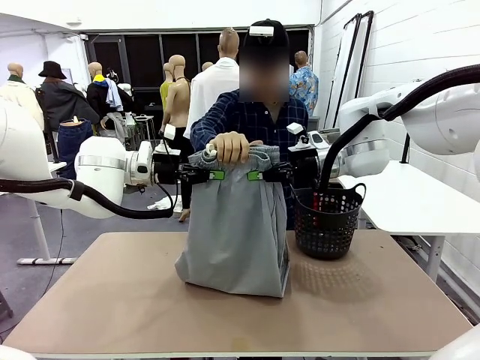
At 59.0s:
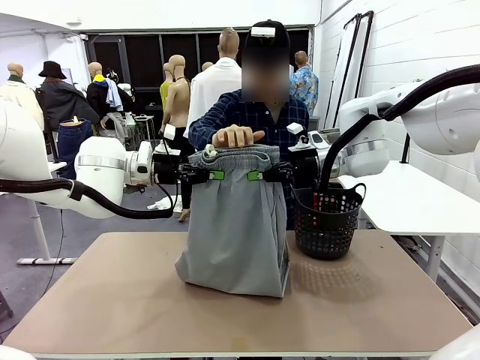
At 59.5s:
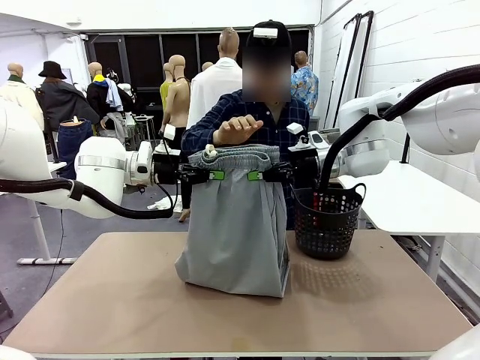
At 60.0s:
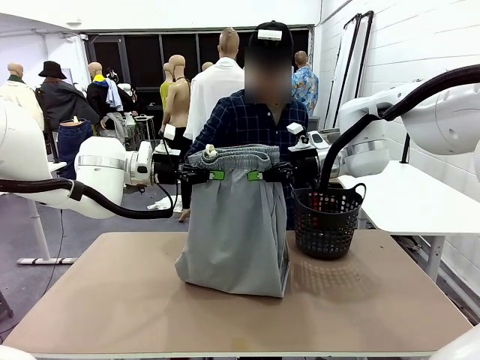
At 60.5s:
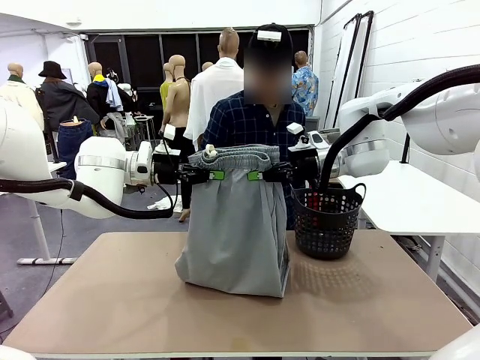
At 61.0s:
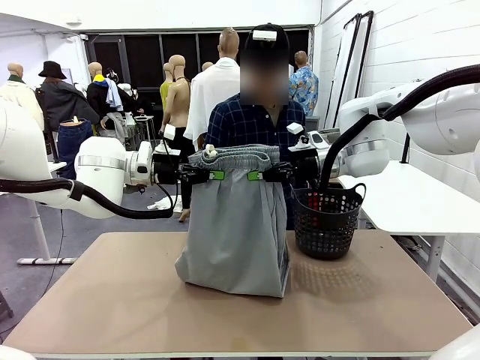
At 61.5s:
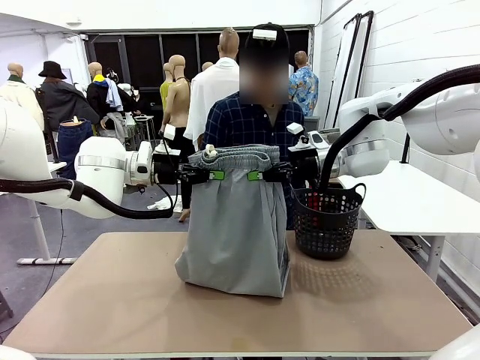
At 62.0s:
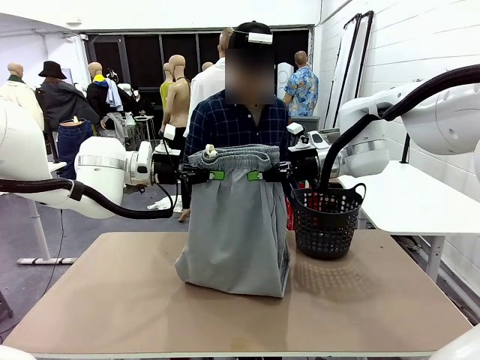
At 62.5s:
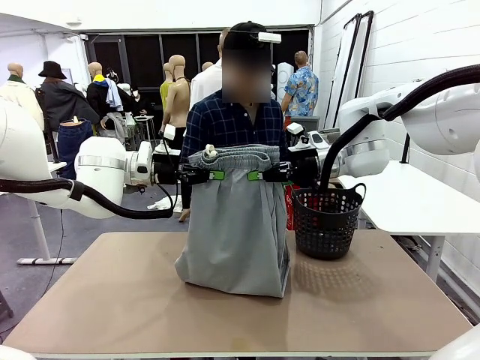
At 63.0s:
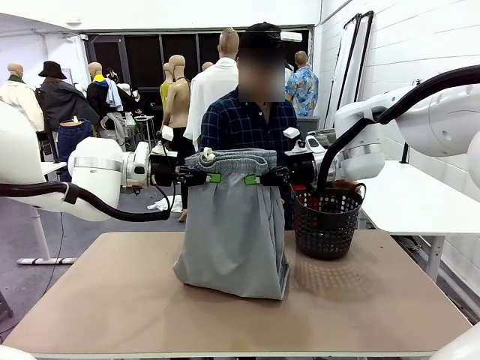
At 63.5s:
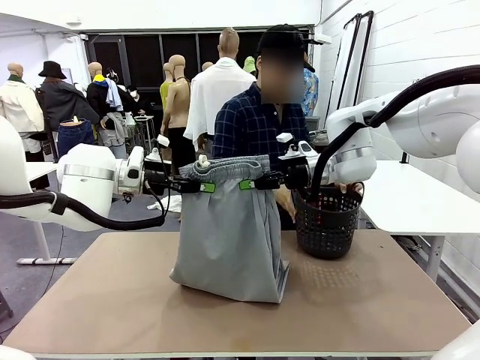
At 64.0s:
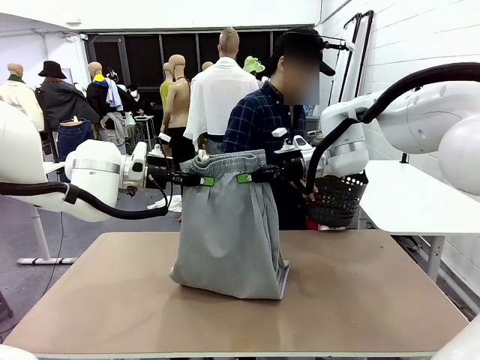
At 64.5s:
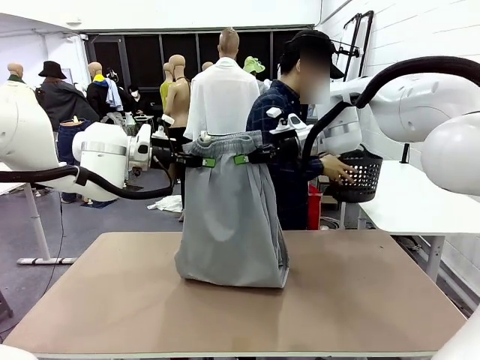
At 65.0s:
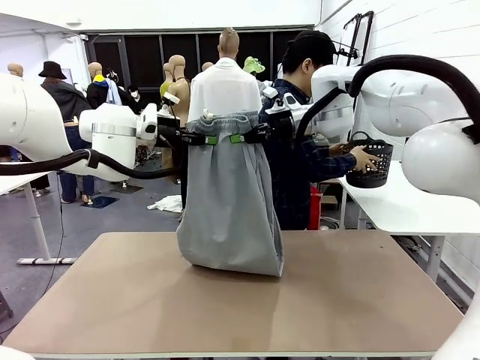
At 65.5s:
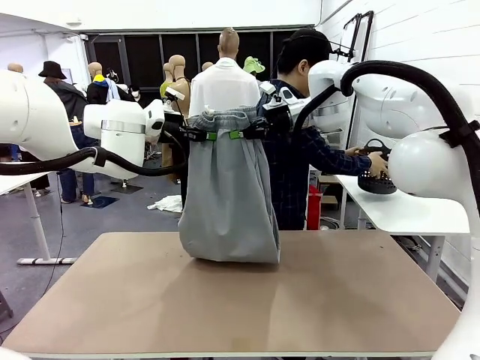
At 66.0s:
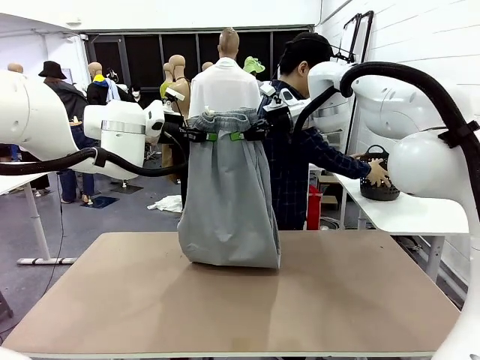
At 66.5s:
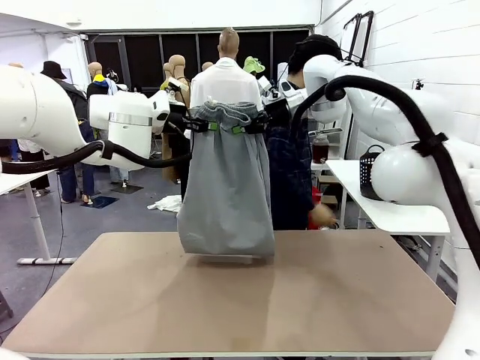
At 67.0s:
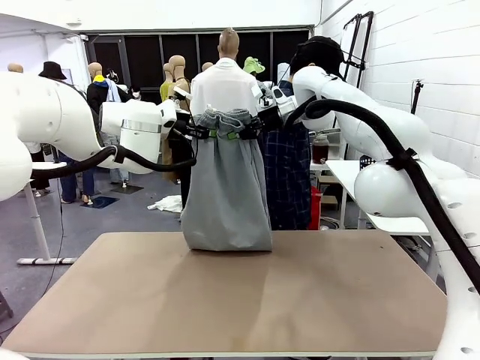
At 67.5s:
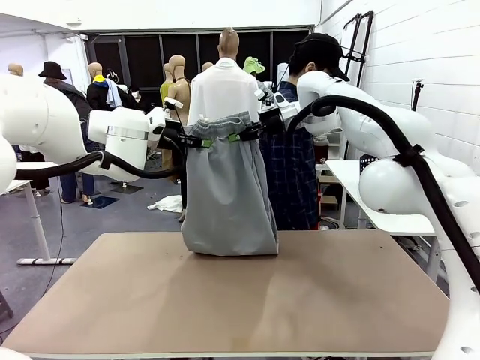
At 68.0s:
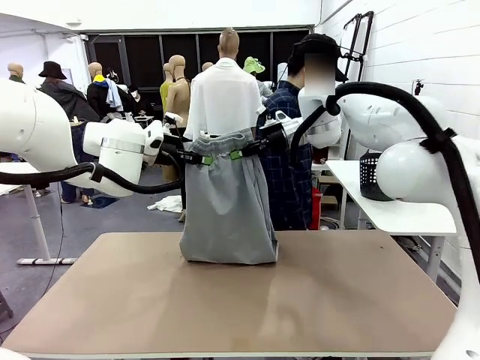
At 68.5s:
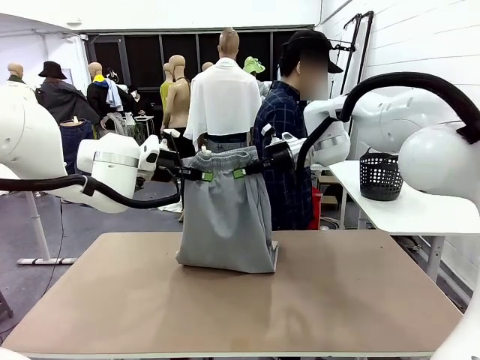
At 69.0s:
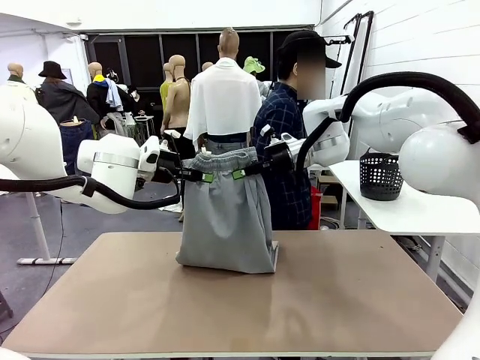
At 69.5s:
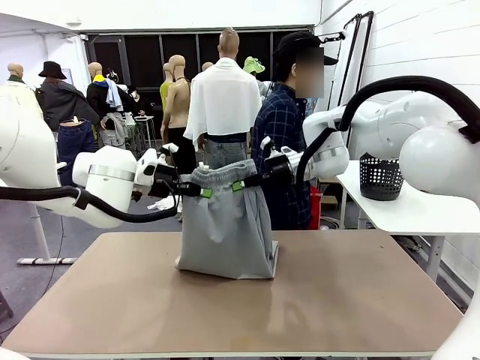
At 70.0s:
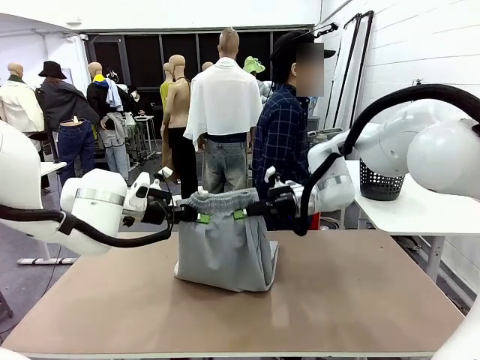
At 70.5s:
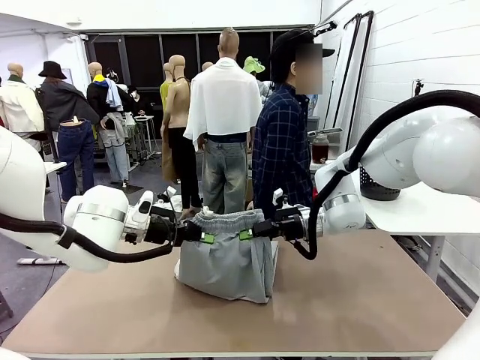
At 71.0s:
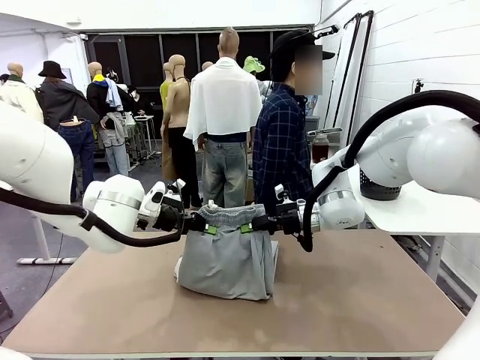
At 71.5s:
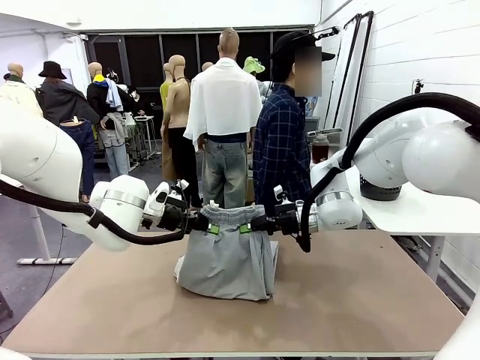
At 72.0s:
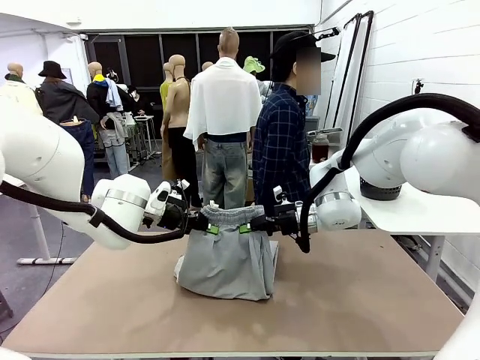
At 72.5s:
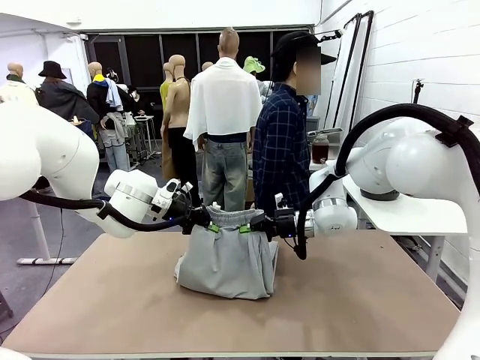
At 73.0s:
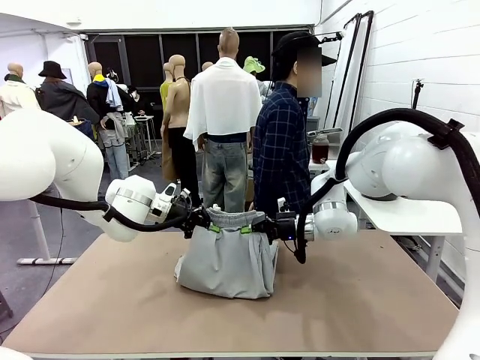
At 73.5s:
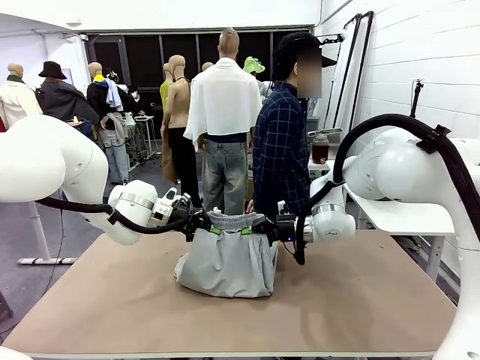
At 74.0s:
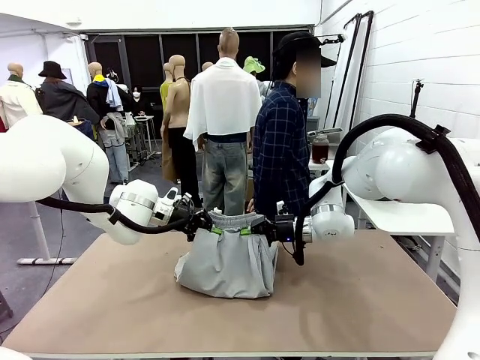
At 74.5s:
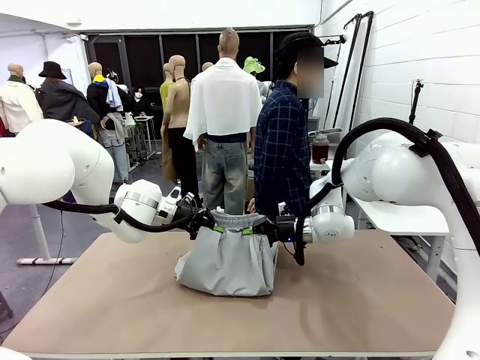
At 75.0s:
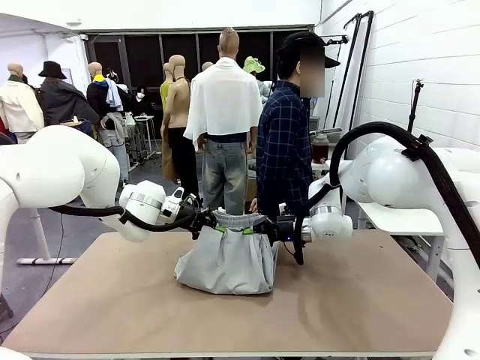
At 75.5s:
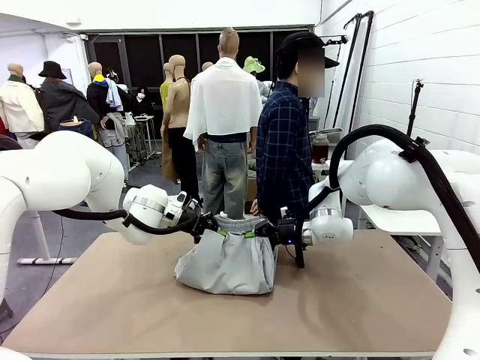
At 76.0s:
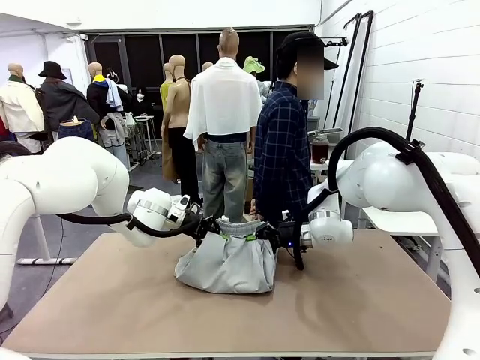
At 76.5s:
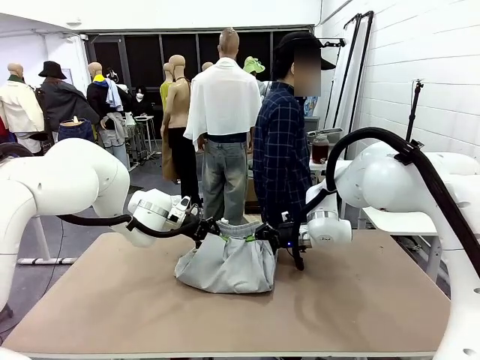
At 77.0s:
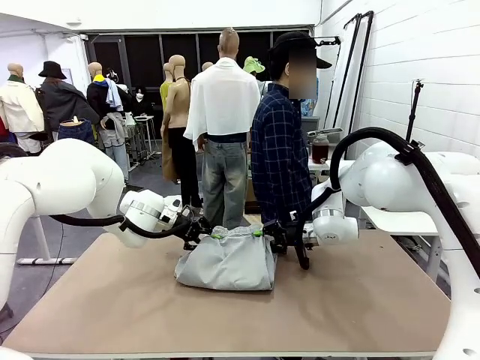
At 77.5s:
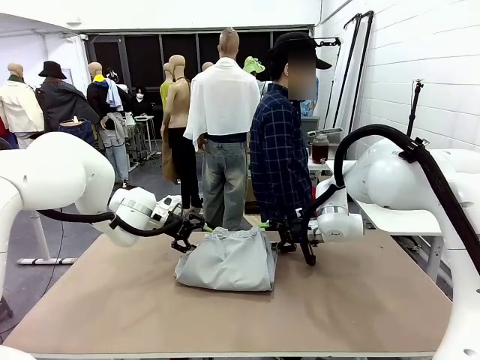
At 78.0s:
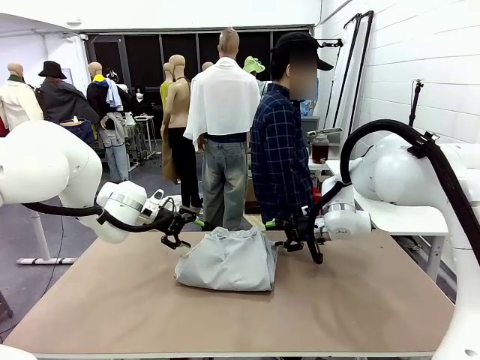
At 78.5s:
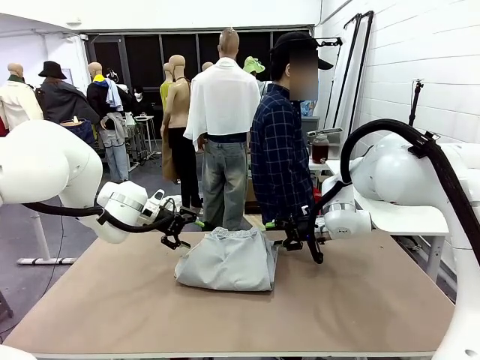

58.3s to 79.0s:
Task: Fold the training pants.
Robot: Fold the Training pants in half.
Person: Move the laundry basket to the right of the human table.

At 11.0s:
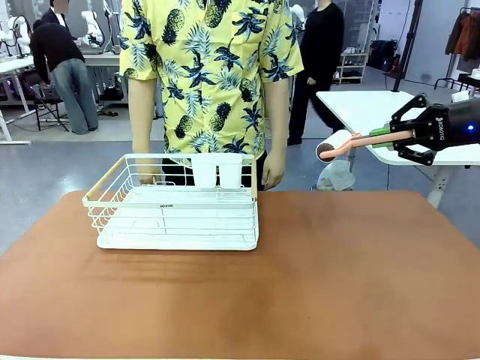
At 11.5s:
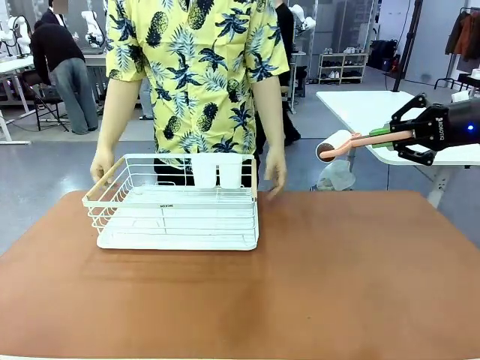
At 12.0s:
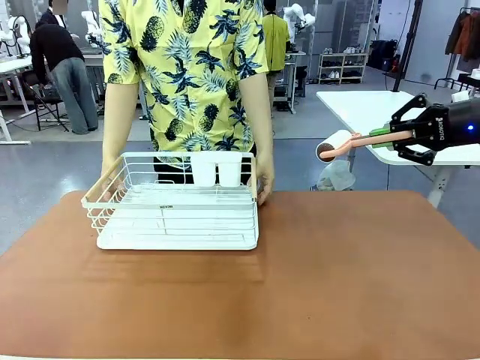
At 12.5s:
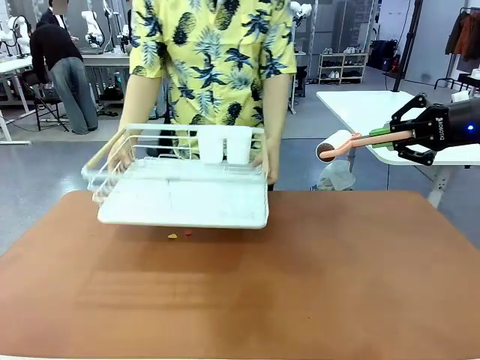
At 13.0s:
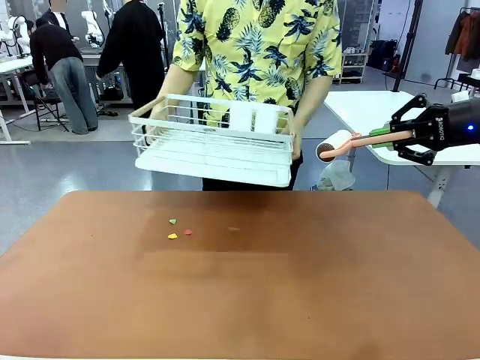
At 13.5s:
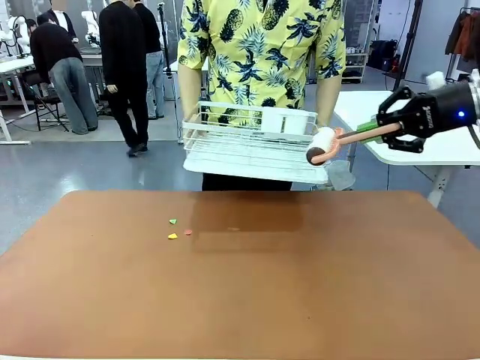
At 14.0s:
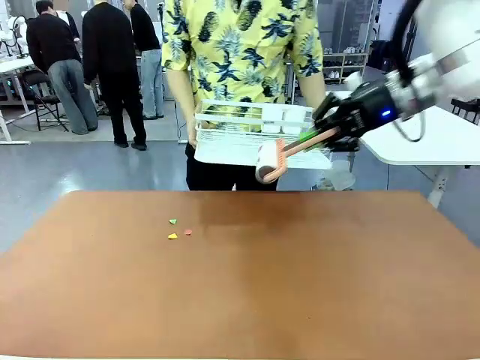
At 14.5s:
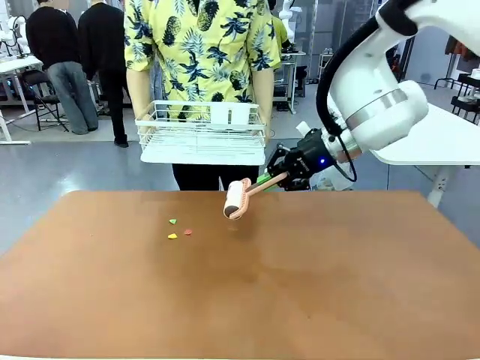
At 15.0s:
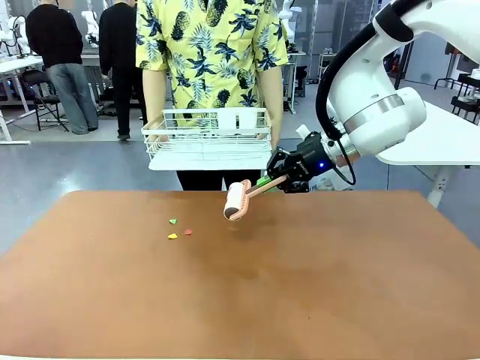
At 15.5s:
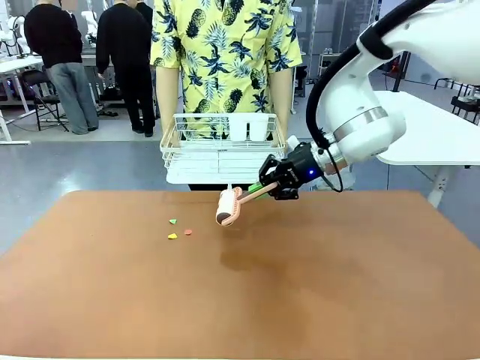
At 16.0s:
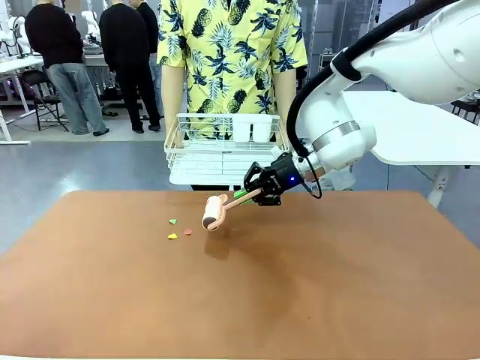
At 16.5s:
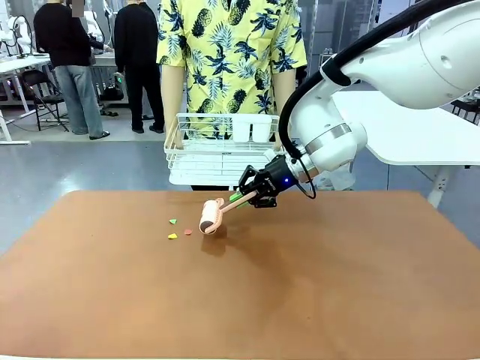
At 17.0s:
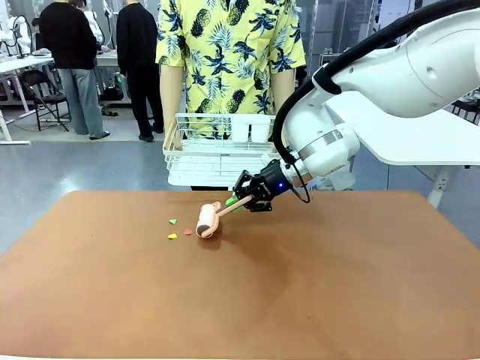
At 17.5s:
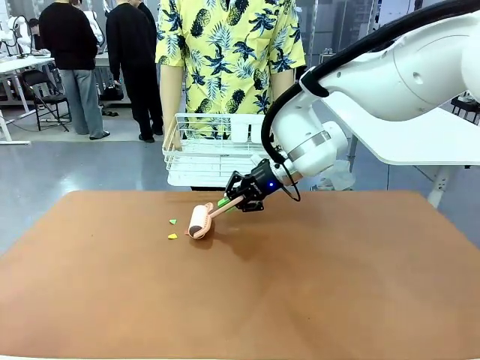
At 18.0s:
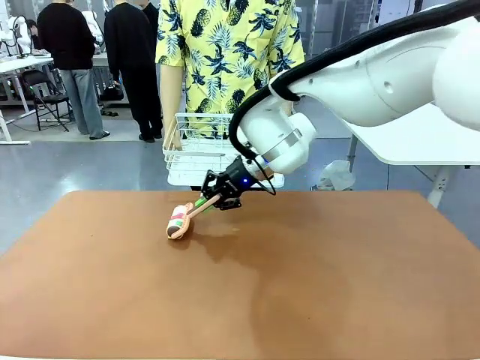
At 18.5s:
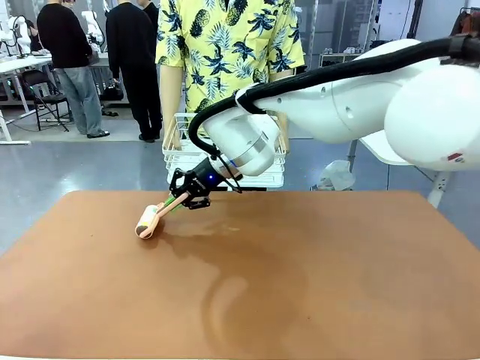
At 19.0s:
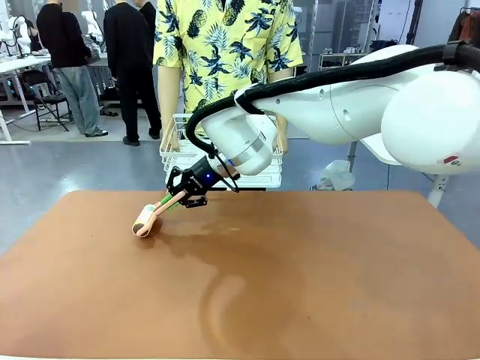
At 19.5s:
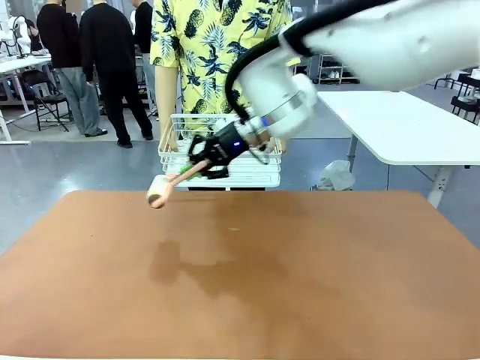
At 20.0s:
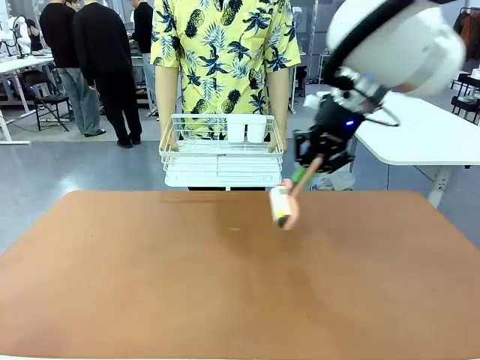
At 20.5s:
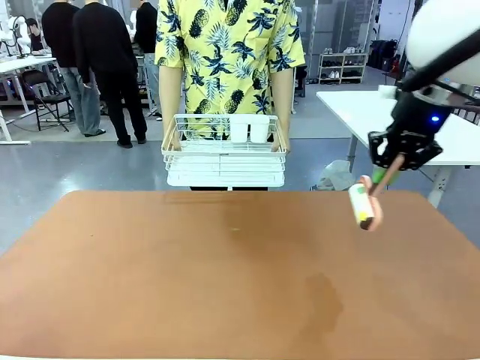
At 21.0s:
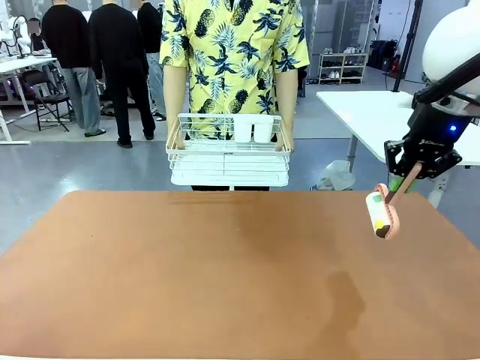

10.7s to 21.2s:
Task: Clean the table.
Robot: Clean the table with the Lint Roller when the human lifts the Dish drying rack.
